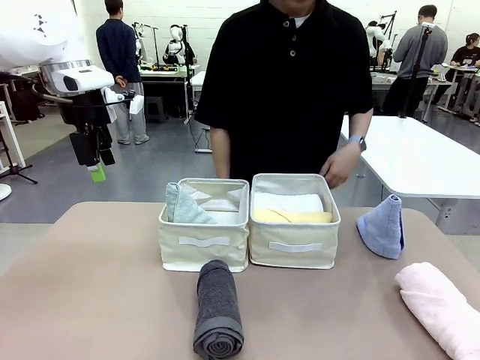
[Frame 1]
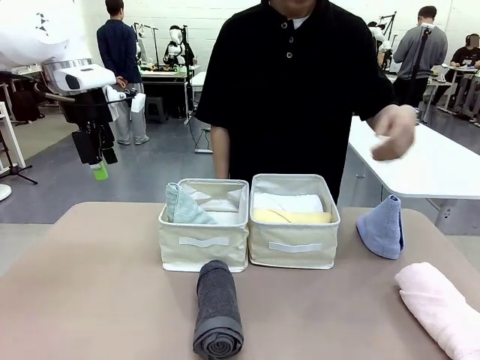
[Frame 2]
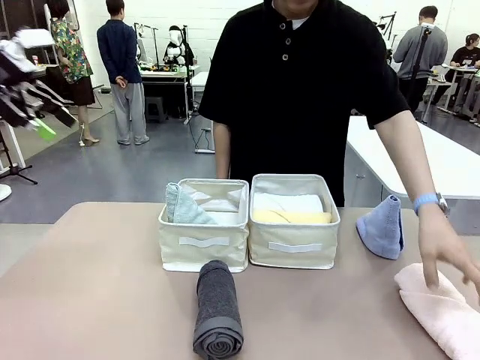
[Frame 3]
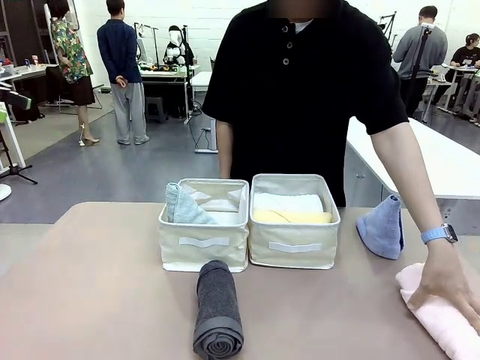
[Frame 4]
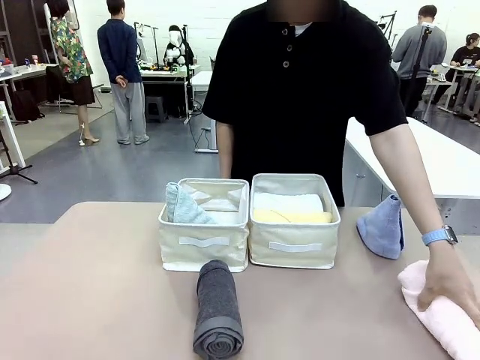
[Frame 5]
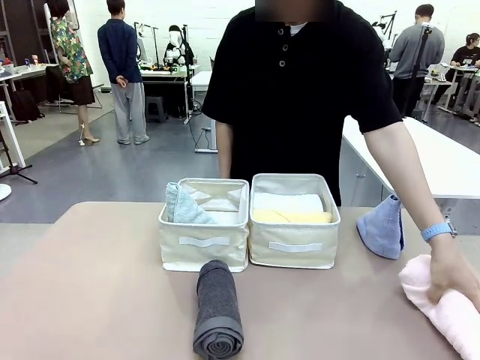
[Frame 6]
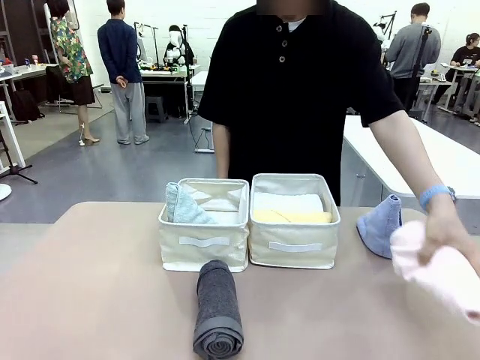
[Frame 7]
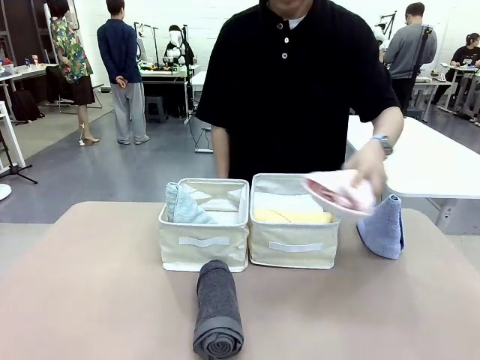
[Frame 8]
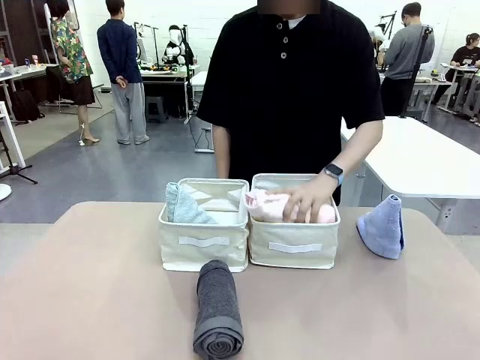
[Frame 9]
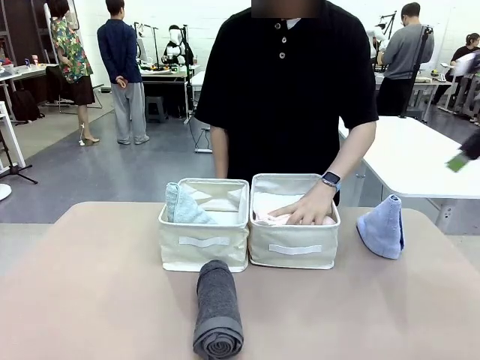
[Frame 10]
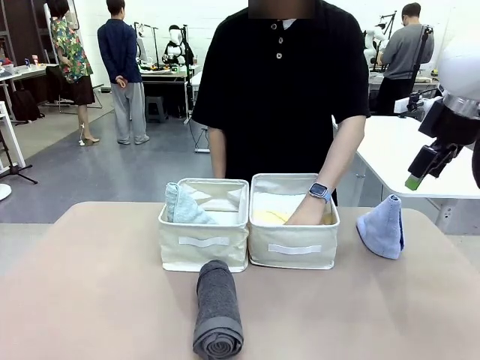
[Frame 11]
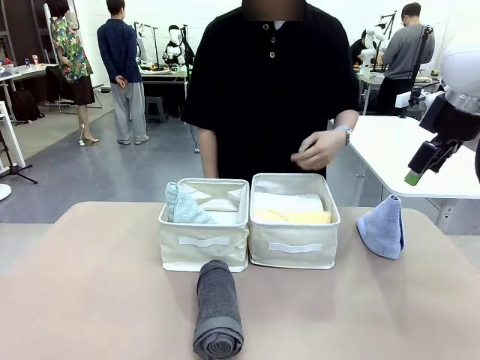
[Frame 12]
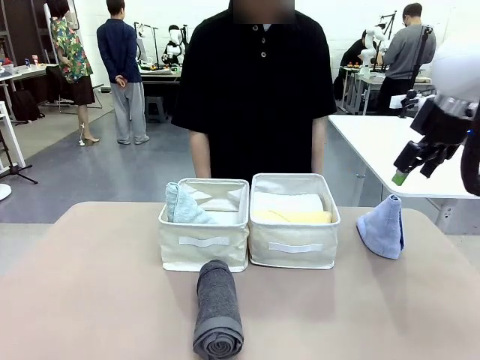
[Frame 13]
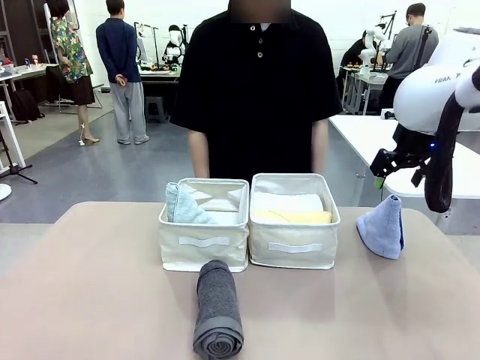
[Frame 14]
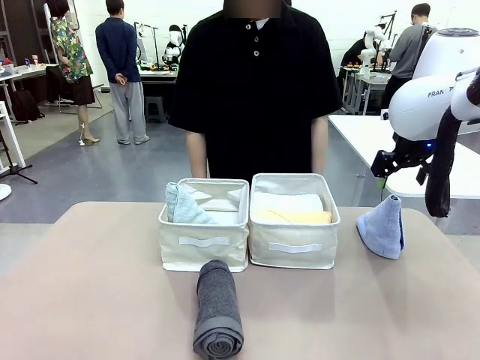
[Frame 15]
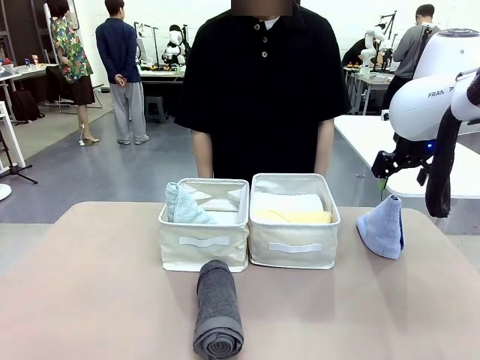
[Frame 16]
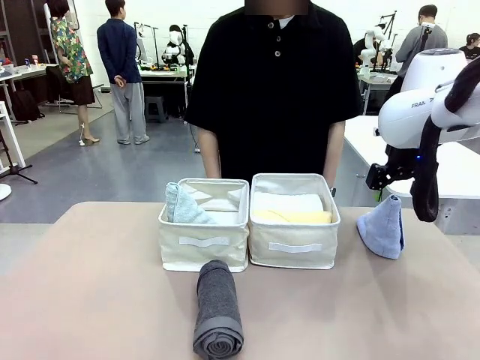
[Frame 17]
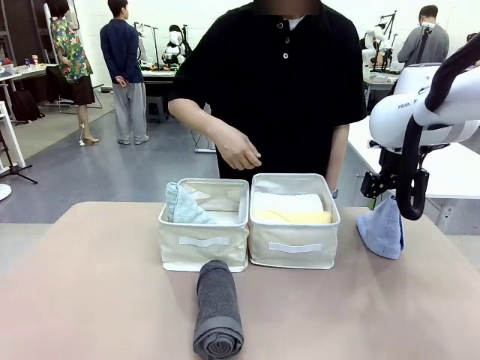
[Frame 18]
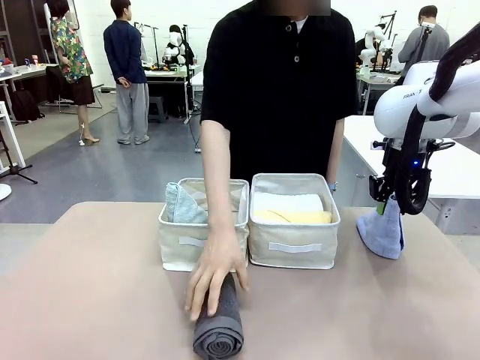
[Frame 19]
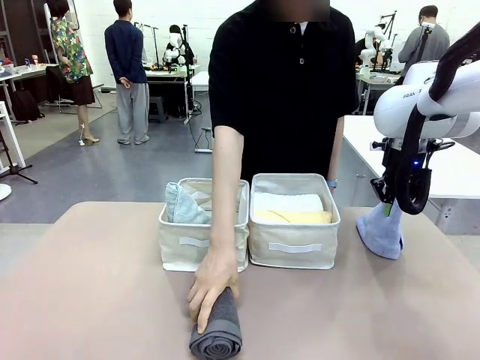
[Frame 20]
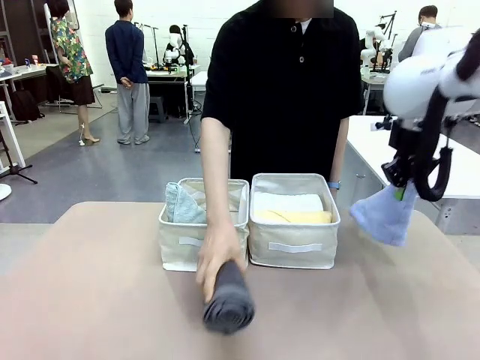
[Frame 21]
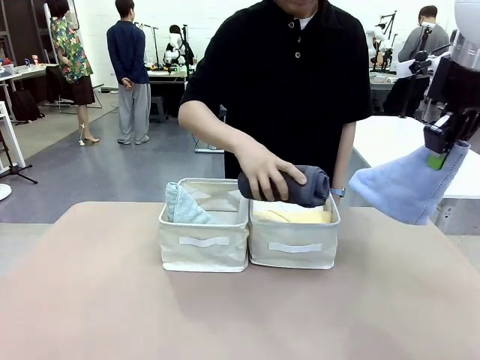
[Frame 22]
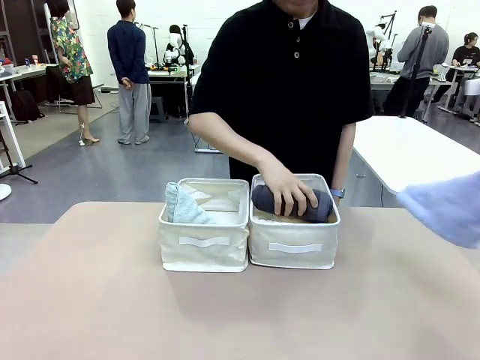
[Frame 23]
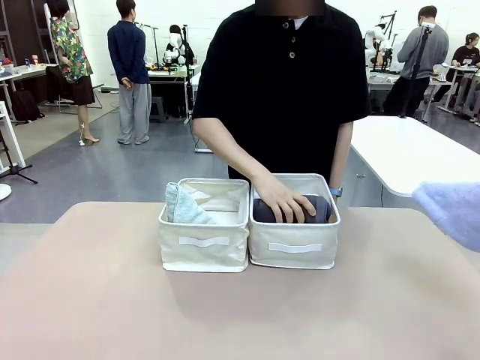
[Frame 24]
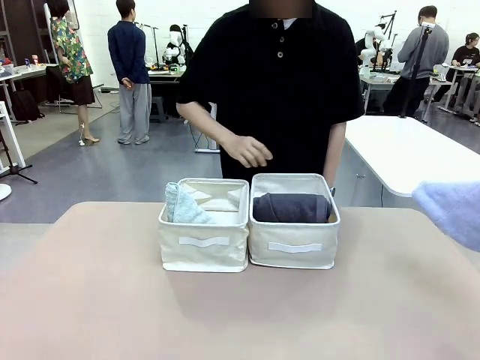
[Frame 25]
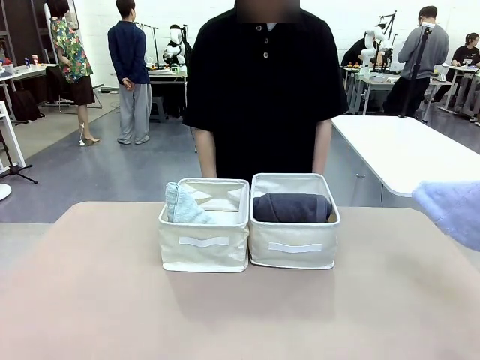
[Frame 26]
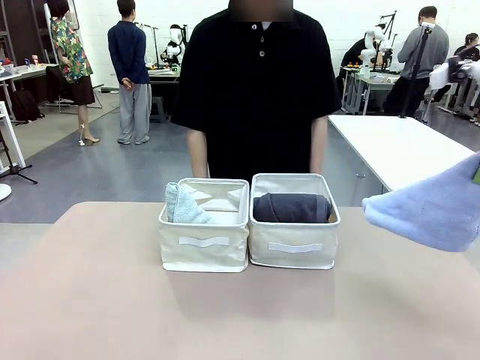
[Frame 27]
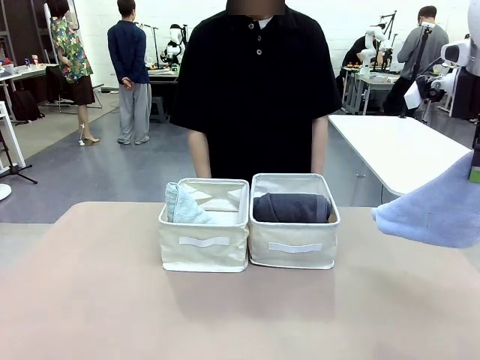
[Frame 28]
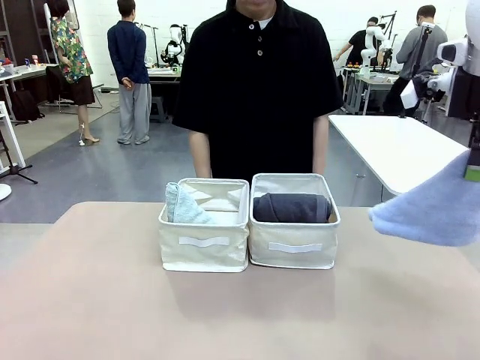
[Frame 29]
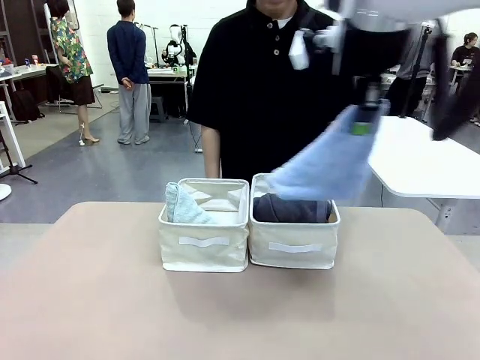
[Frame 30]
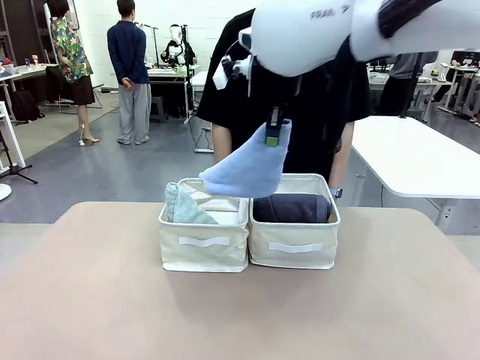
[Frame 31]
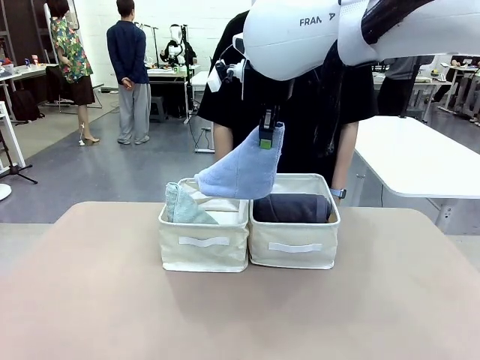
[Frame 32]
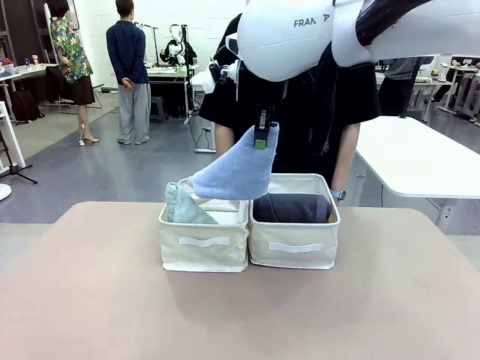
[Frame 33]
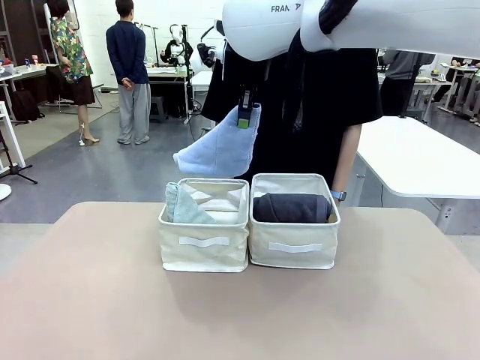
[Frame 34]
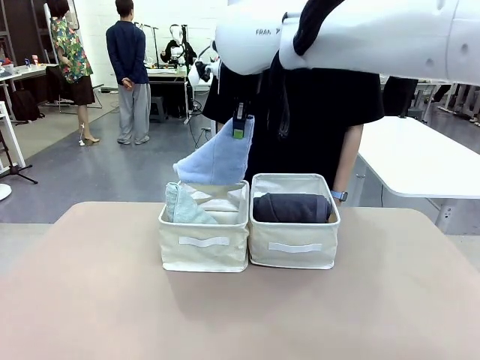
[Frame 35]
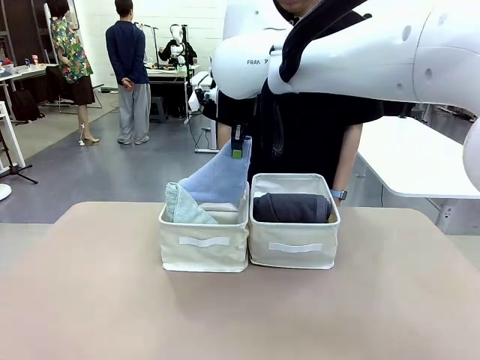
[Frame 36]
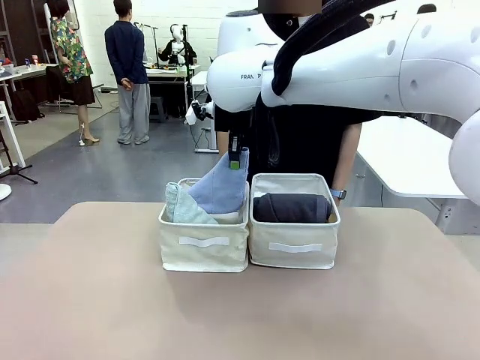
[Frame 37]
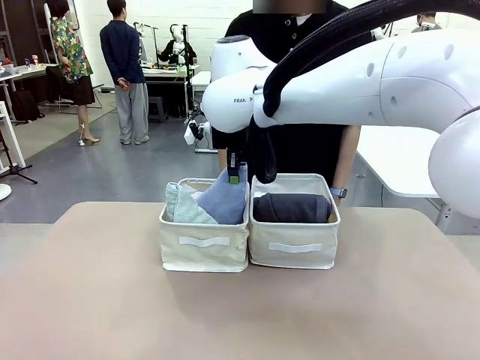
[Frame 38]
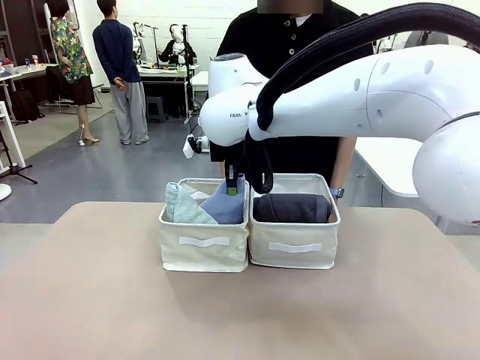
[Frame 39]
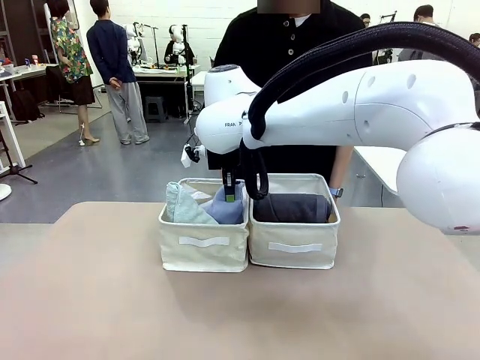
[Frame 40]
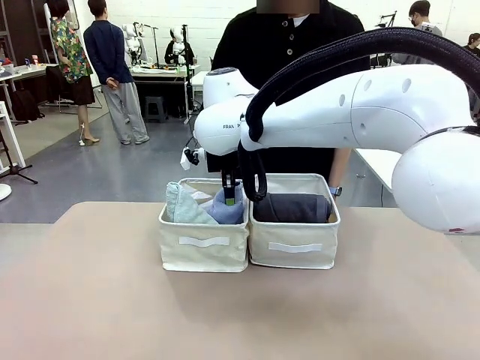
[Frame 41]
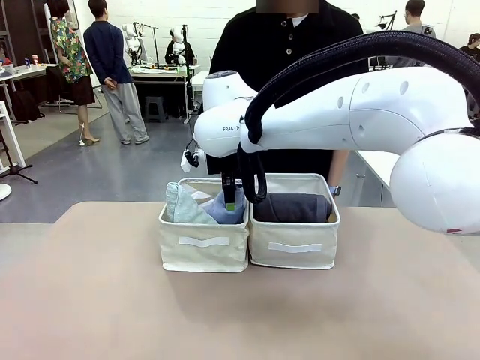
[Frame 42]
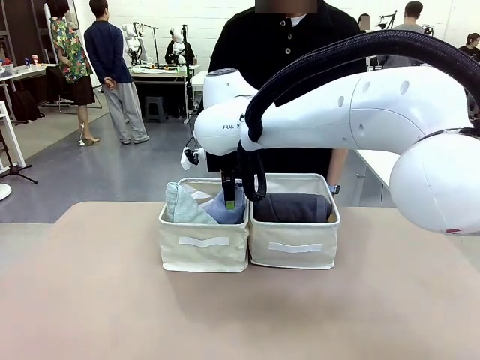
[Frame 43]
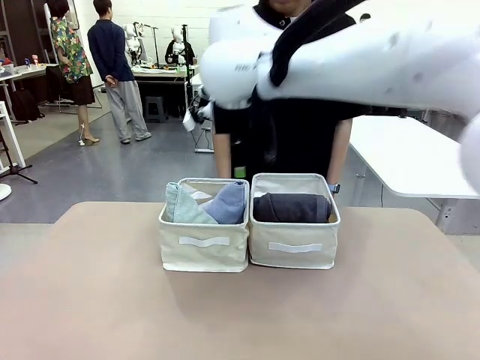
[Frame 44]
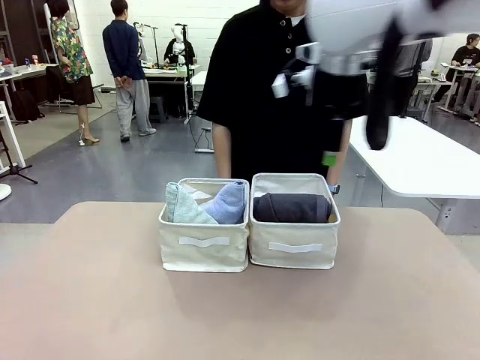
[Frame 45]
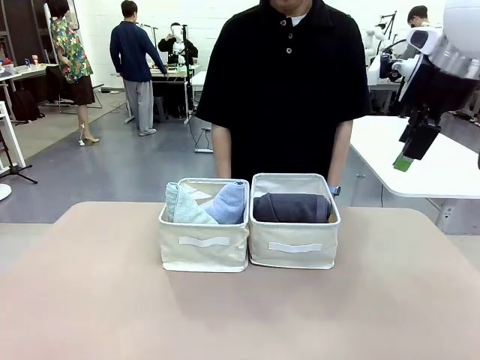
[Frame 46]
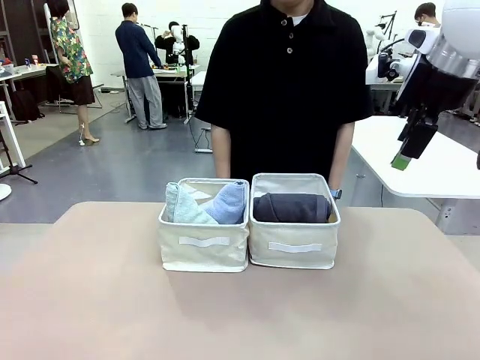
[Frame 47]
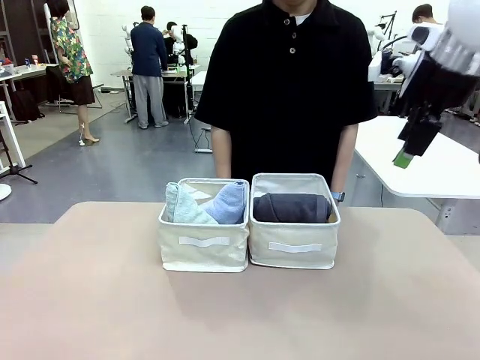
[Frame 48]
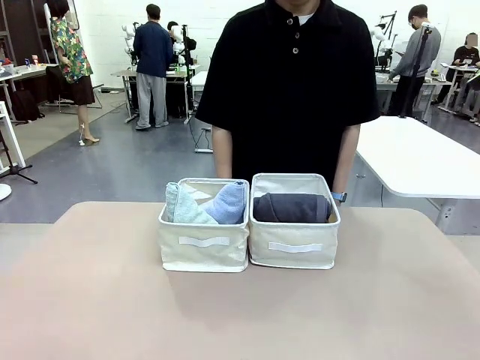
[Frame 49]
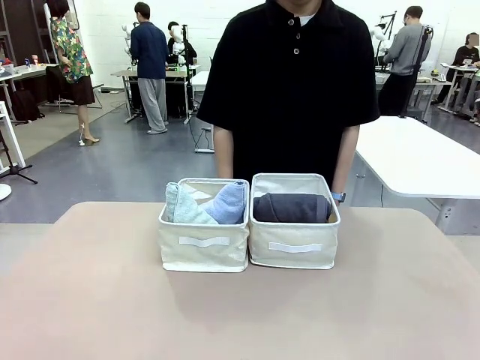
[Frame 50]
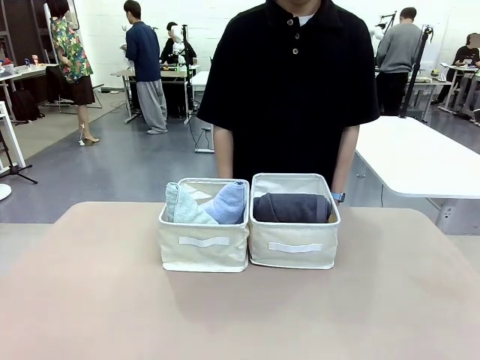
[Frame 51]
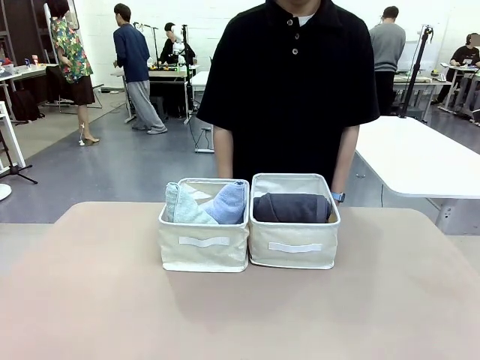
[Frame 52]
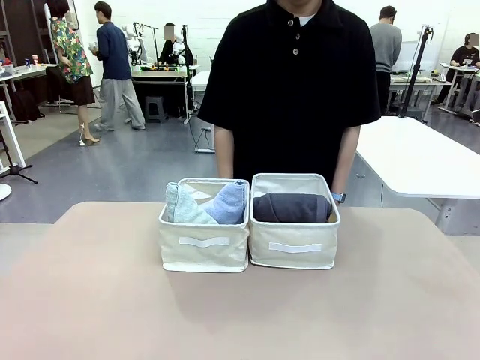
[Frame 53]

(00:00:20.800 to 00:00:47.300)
Task: Sort the towels based on their folding style.
Robot: Pick up another triangle-folded towel from the table and place it in the left Fabric basket.
Person: Pick up one hotel-style rolled towel from the table and place it in the left fabric basket.
